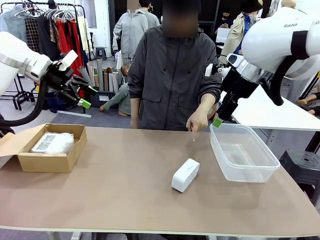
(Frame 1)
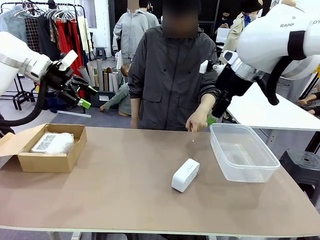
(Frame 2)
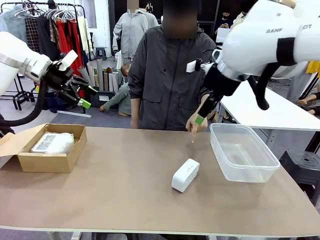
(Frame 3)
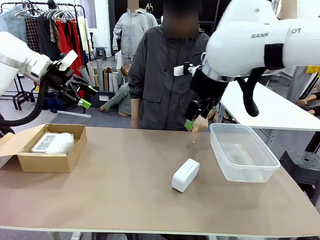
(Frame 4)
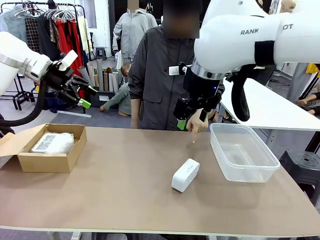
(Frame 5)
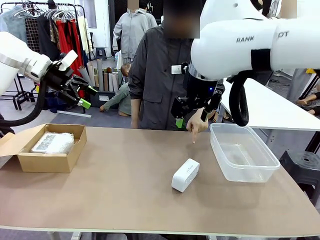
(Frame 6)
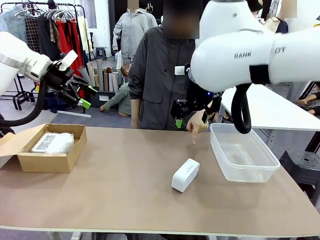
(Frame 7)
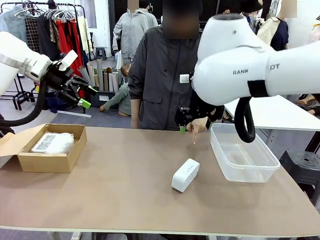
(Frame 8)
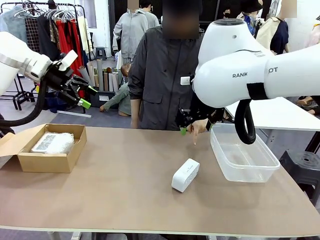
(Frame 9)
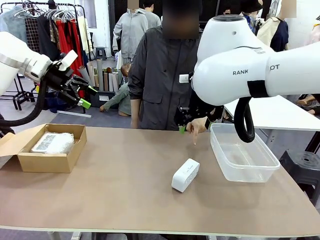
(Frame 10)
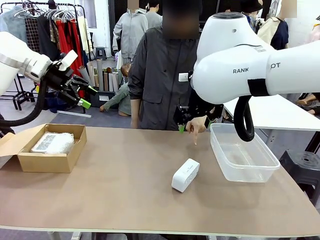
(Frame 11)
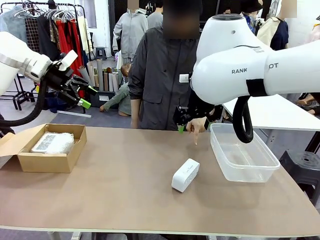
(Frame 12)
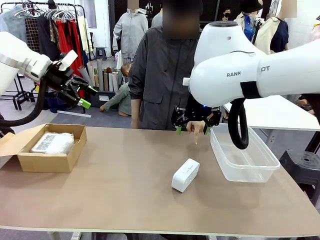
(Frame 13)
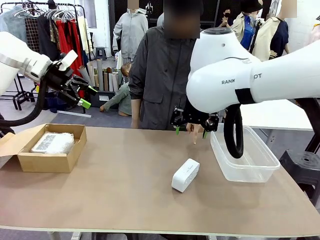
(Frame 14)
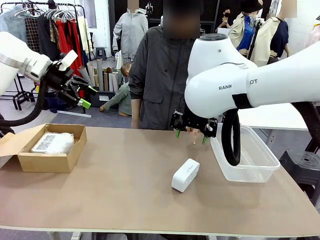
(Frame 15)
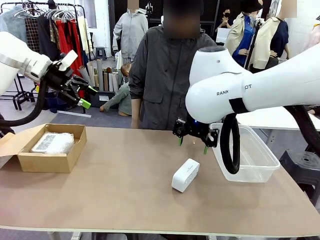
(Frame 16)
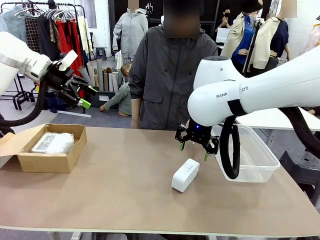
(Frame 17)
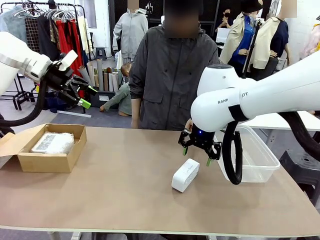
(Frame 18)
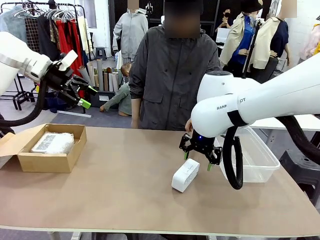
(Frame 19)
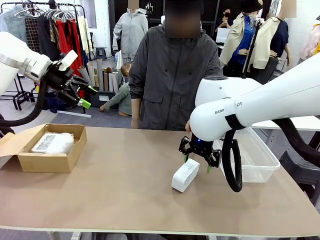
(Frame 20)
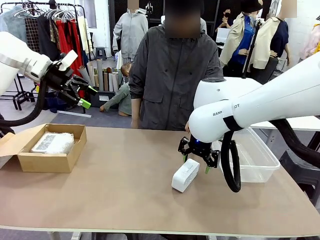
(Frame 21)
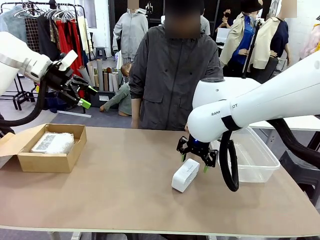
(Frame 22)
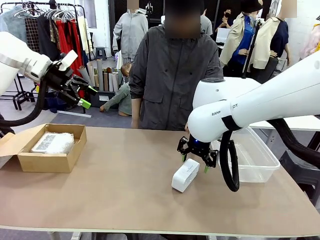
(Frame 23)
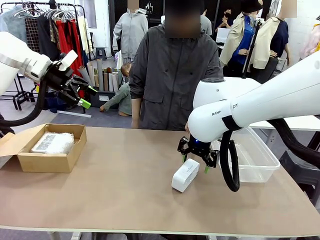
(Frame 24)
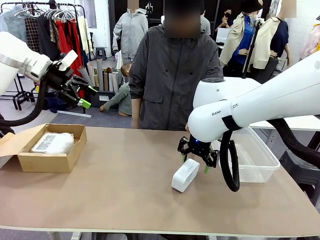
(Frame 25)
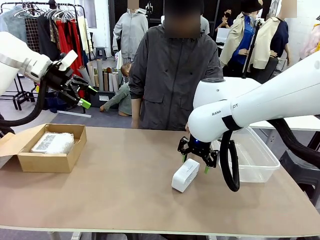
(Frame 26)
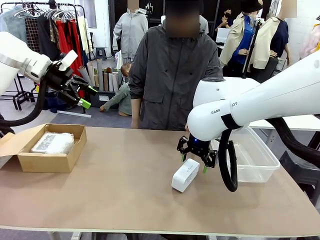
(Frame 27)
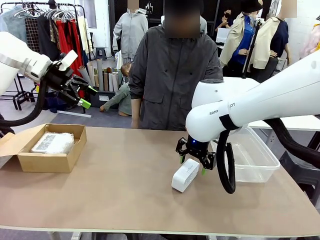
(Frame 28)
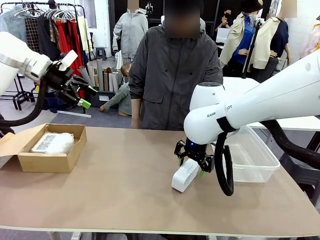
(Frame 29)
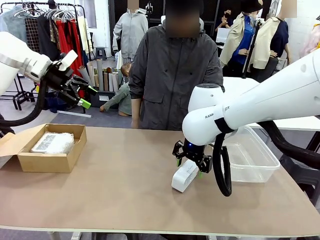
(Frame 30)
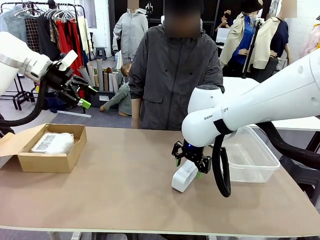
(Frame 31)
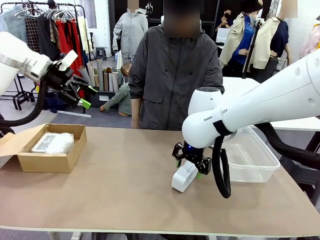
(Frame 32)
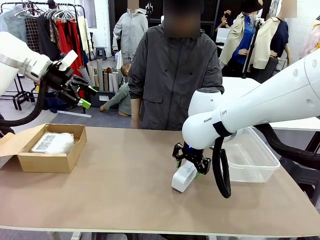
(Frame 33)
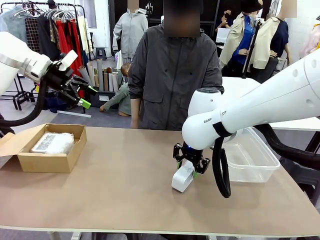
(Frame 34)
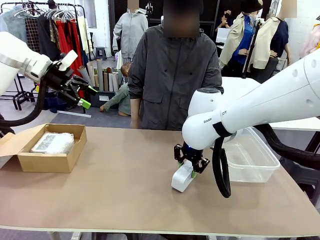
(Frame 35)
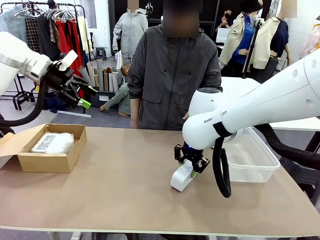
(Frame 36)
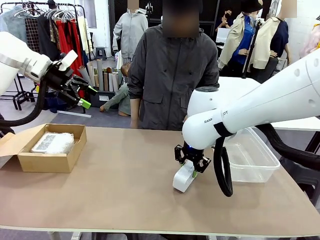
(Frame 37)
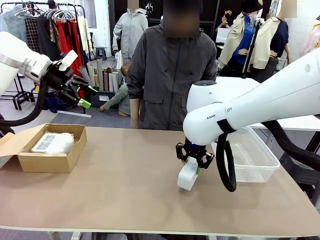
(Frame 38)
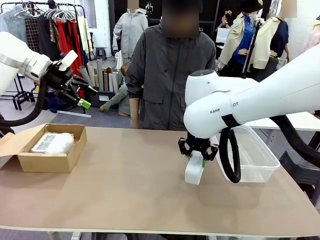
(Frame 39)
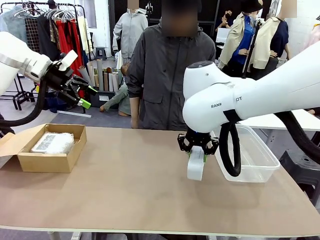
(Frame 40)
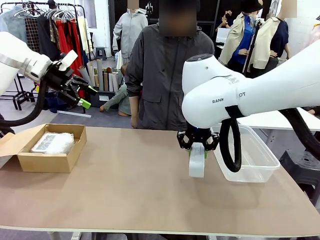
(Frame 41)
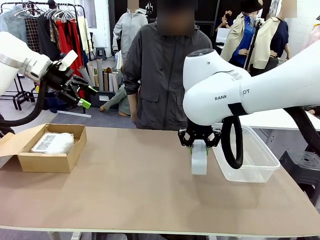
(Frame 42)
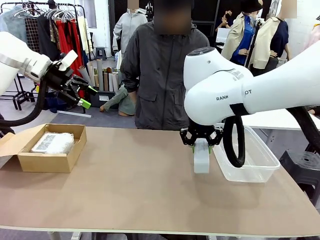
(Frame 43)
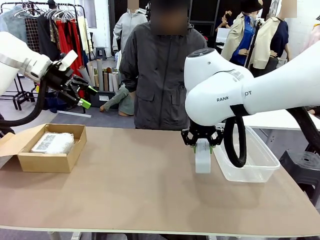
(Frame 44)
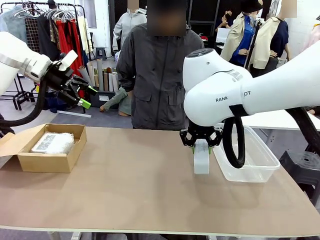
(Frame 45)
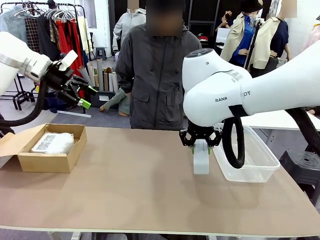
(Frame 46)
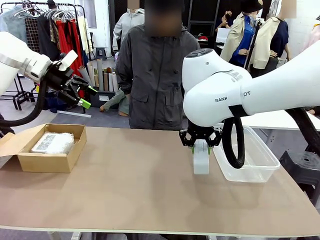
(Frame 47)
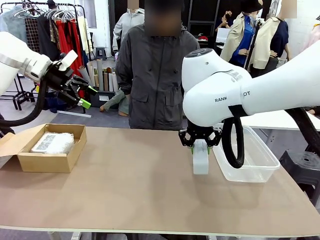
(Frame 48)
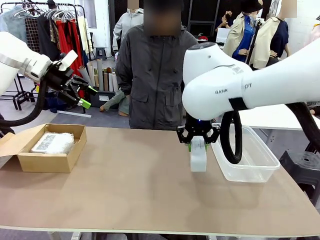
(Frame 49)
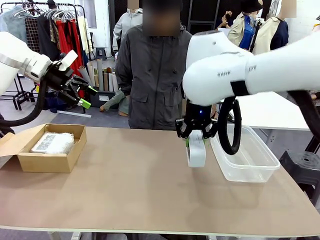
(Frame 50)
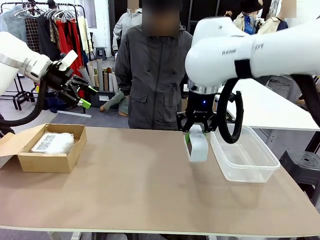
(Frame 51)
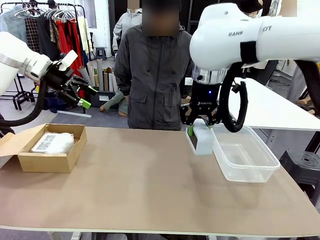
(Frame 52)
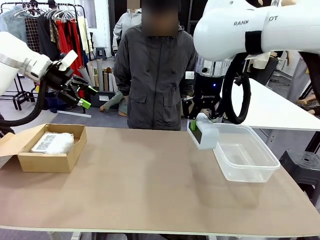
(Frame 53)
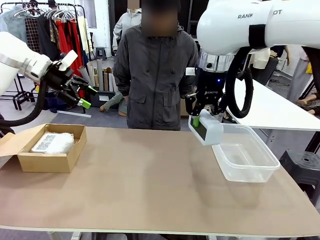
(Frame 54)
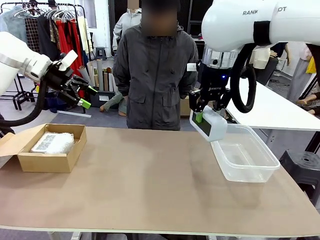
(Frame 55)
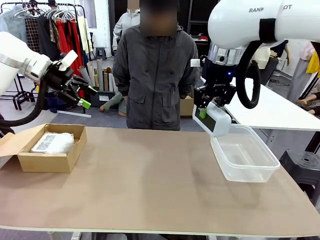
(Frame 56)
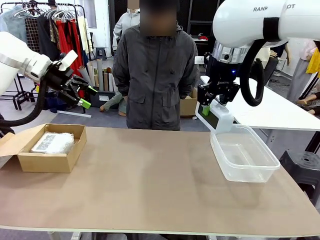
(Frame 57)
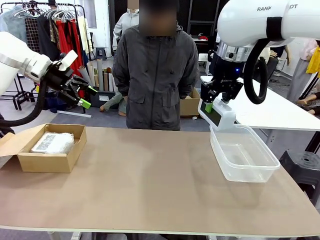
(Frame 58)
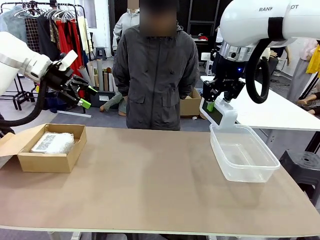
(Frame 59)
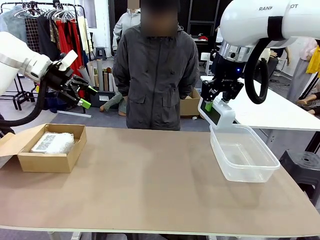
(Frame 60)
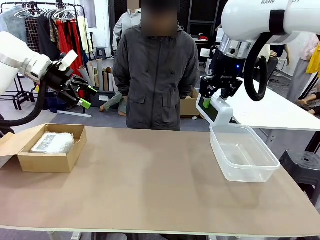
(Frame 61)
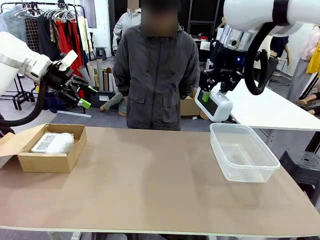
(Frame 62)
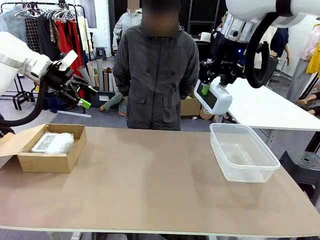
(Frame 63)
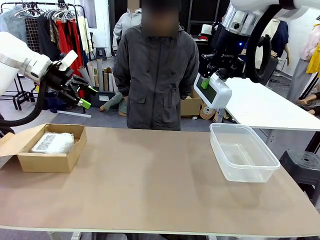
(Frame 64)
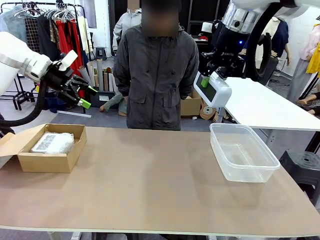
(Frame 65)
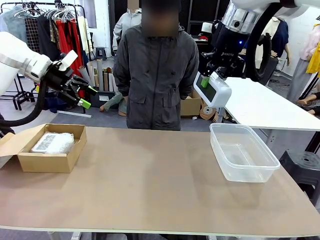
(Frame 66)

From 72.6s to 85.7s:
Task: Separate and place wrapped and unwrapped clocks.
Robot: Pick up the Digital clock indicated by the person.
